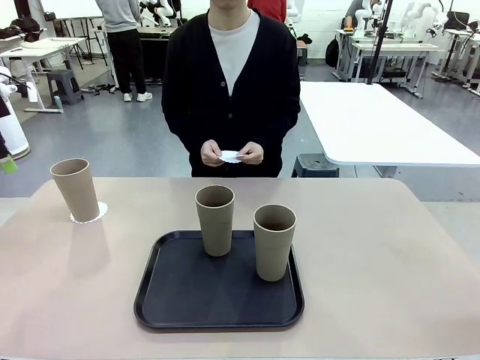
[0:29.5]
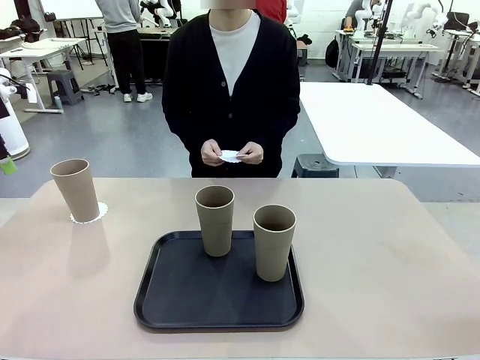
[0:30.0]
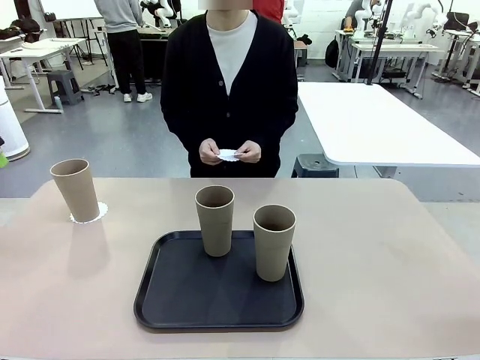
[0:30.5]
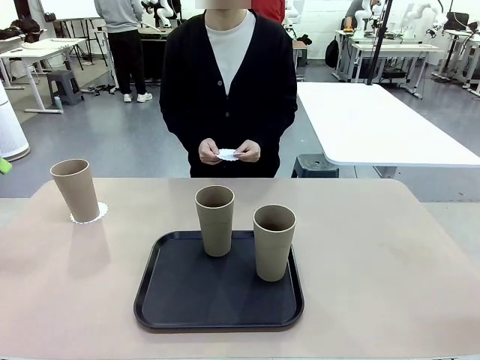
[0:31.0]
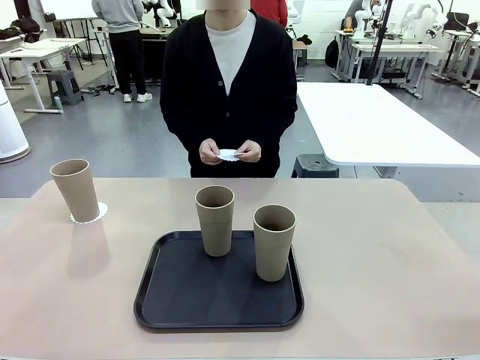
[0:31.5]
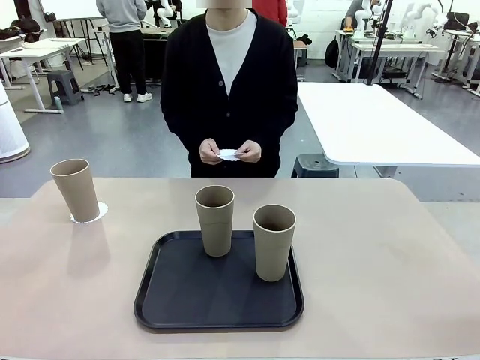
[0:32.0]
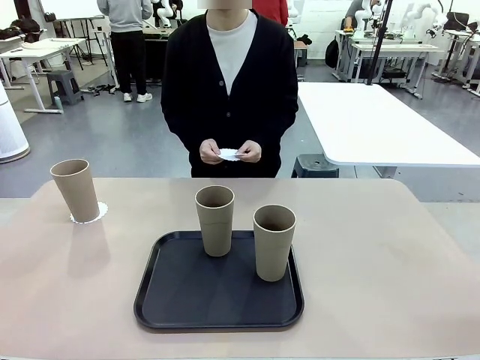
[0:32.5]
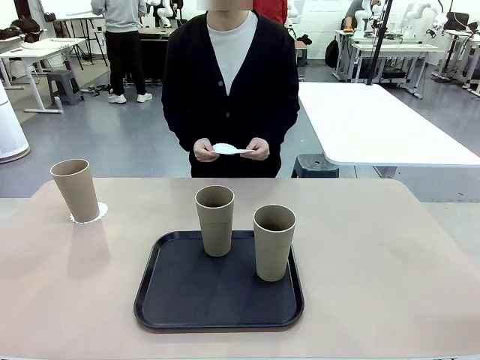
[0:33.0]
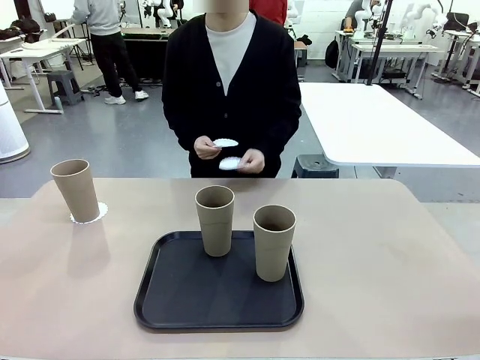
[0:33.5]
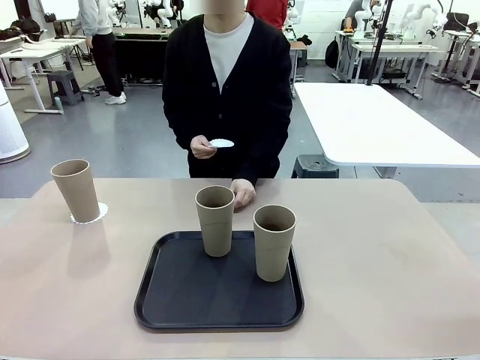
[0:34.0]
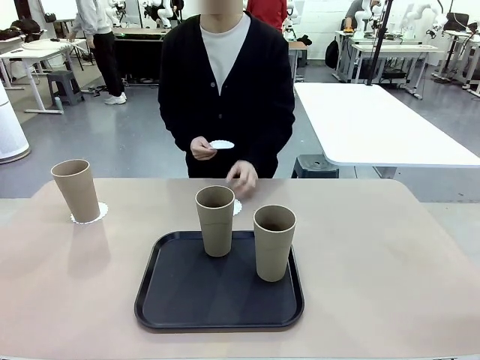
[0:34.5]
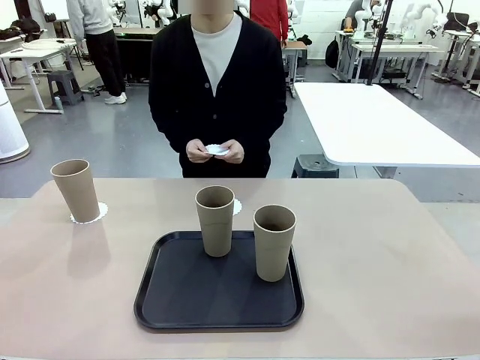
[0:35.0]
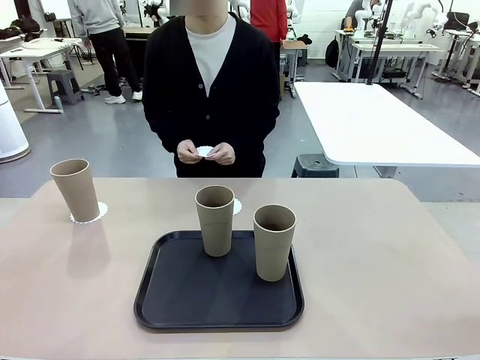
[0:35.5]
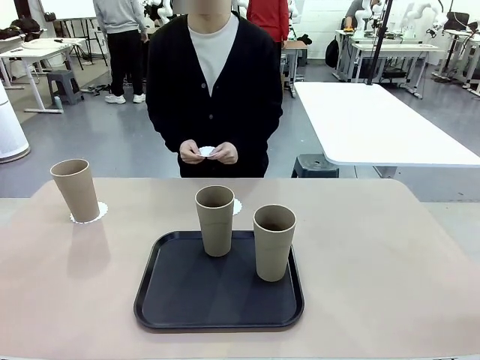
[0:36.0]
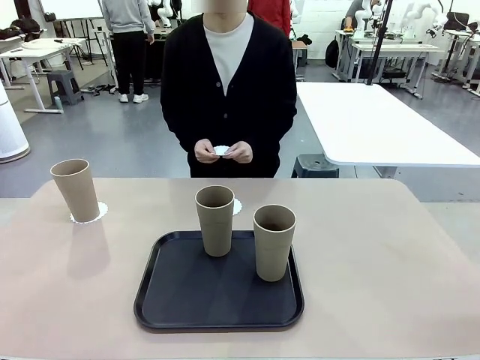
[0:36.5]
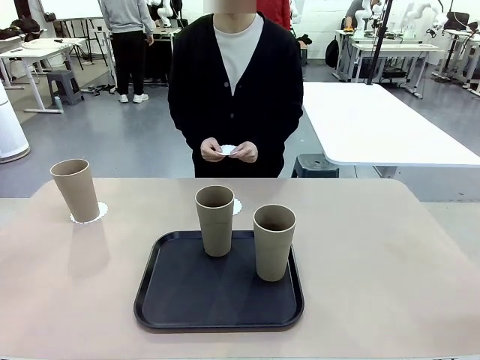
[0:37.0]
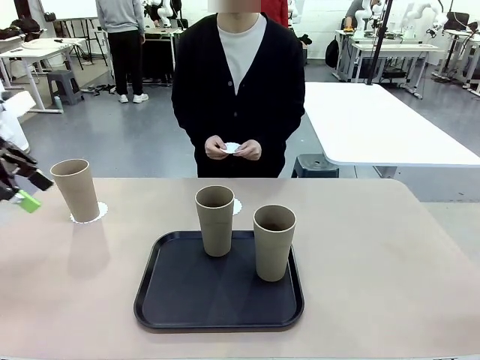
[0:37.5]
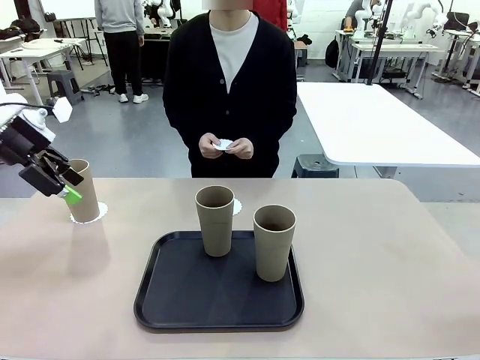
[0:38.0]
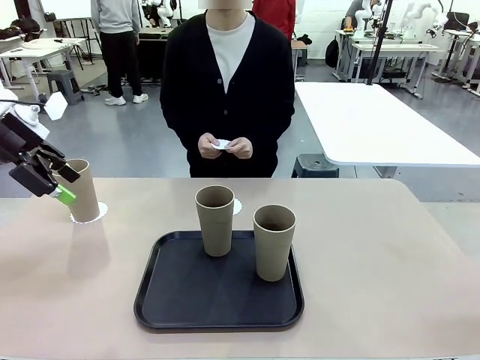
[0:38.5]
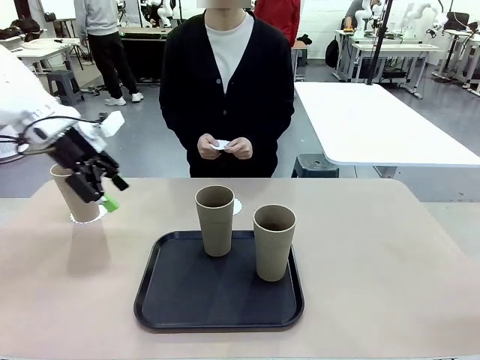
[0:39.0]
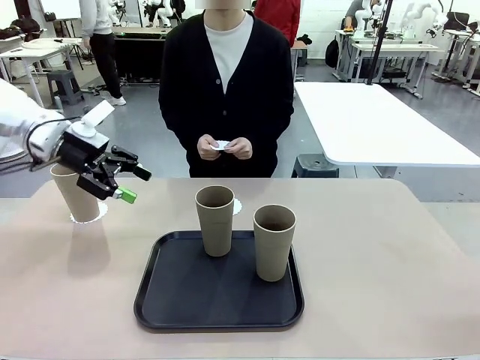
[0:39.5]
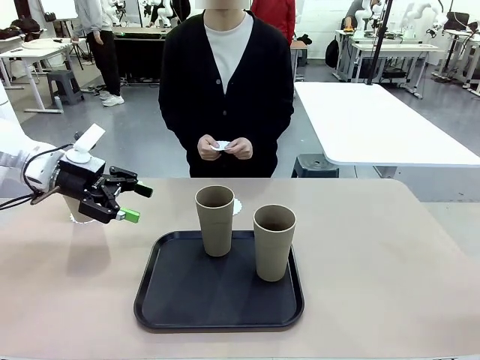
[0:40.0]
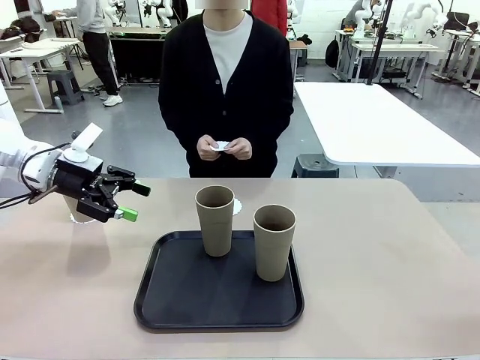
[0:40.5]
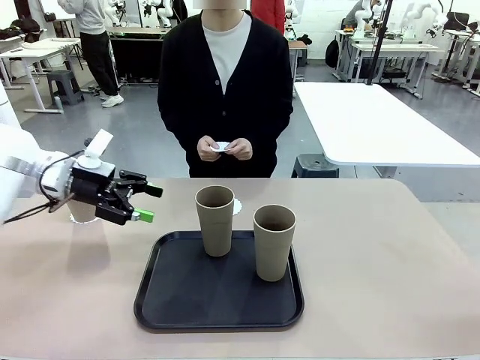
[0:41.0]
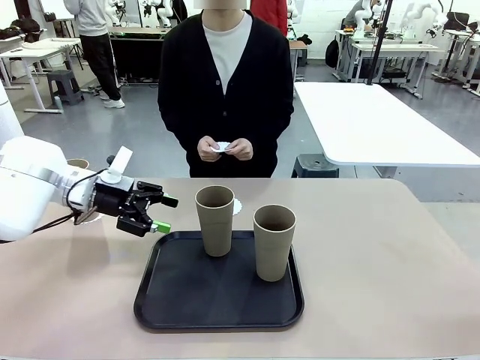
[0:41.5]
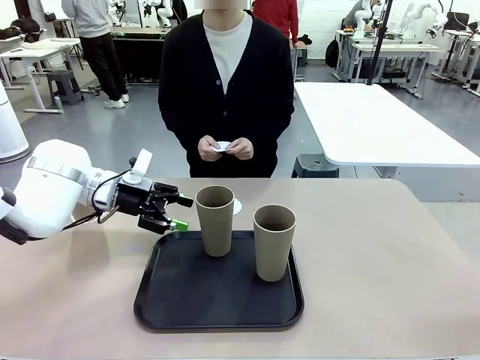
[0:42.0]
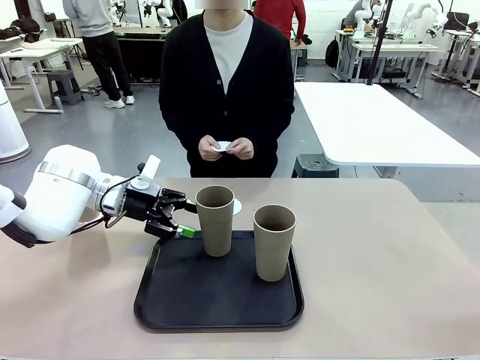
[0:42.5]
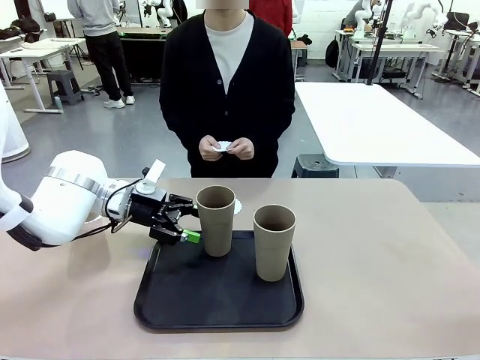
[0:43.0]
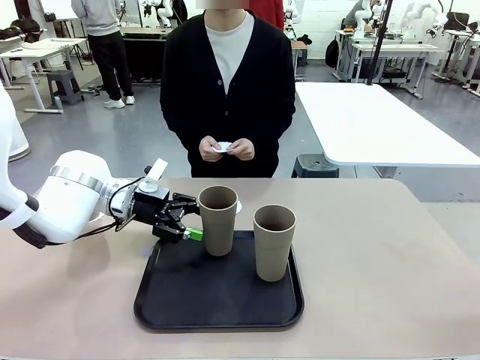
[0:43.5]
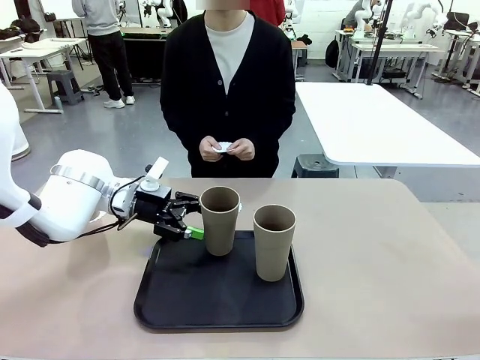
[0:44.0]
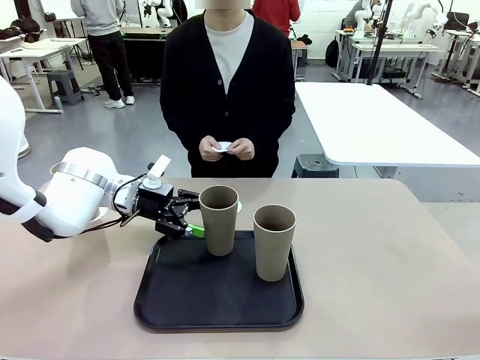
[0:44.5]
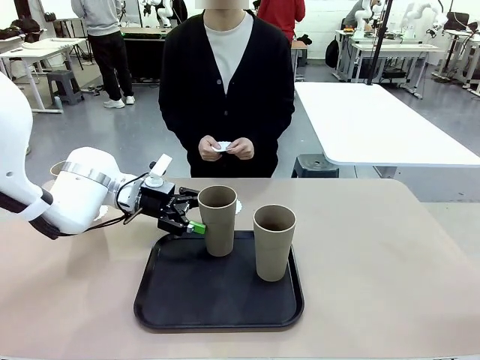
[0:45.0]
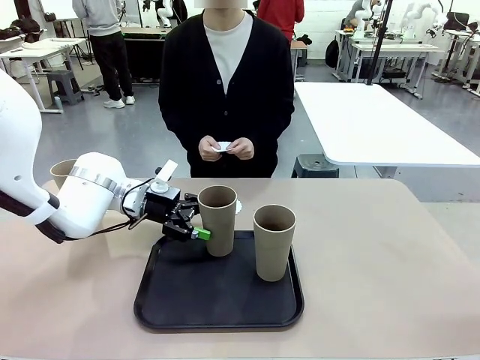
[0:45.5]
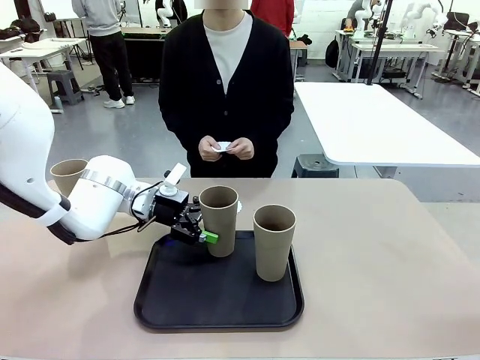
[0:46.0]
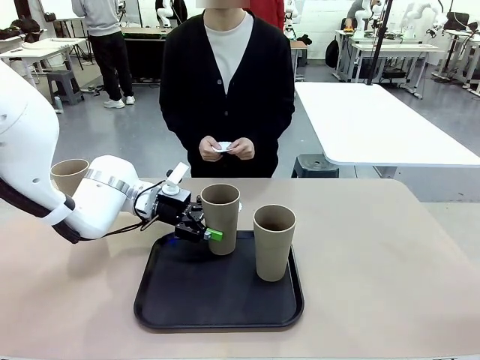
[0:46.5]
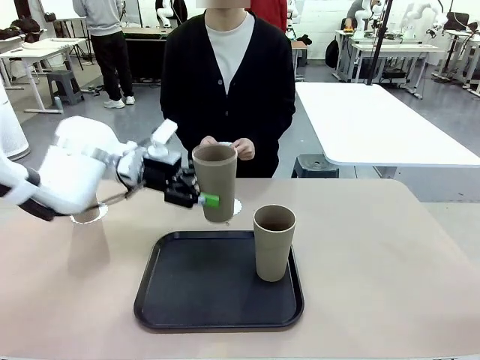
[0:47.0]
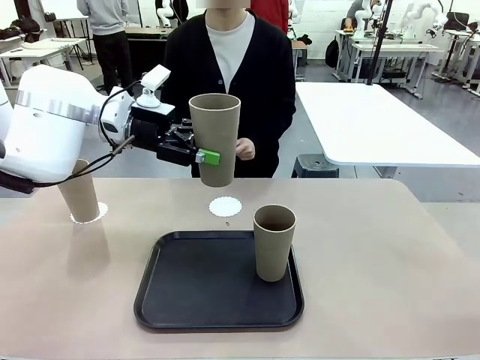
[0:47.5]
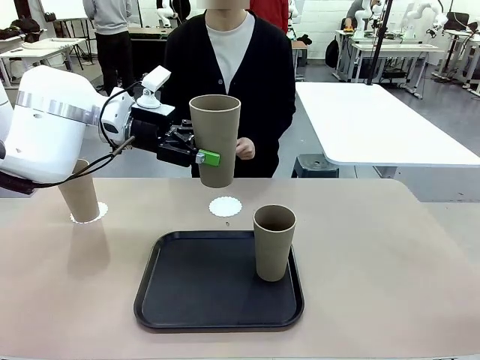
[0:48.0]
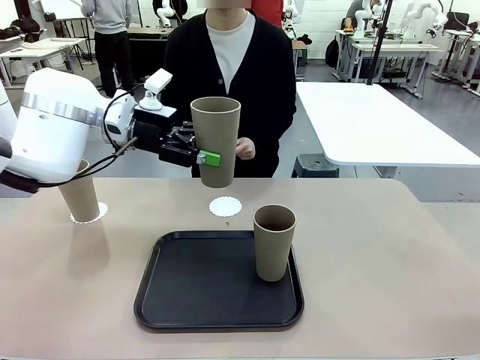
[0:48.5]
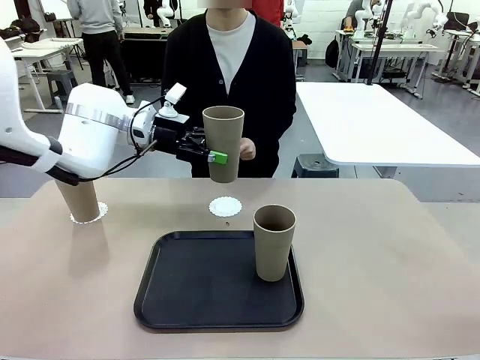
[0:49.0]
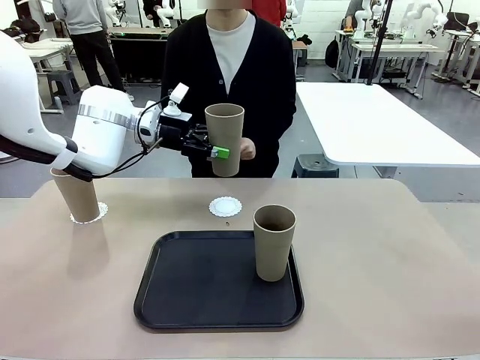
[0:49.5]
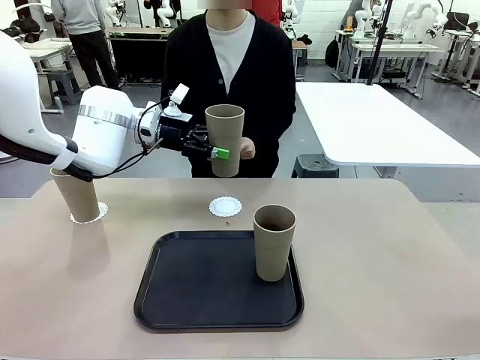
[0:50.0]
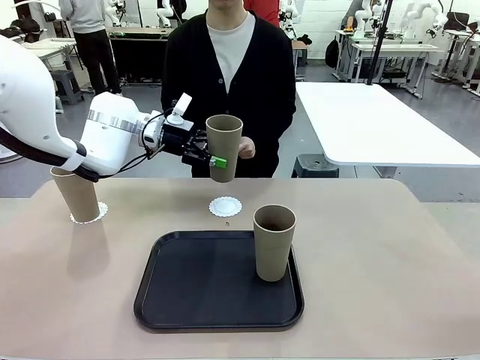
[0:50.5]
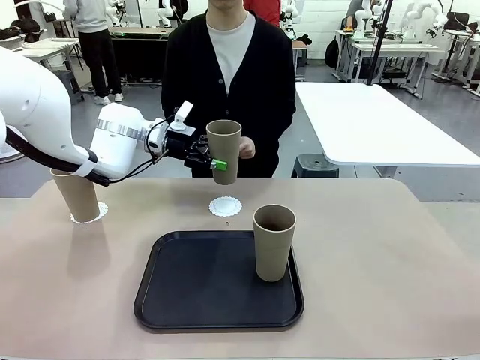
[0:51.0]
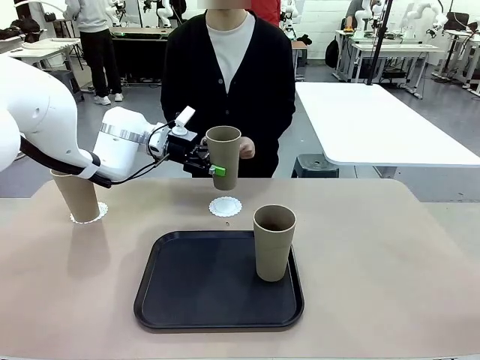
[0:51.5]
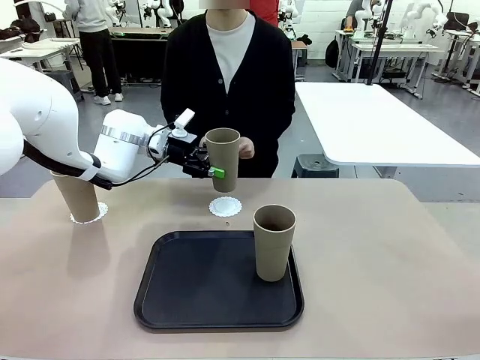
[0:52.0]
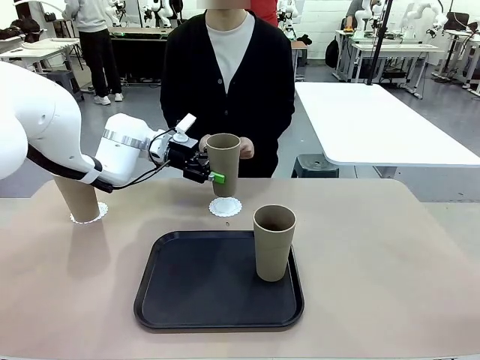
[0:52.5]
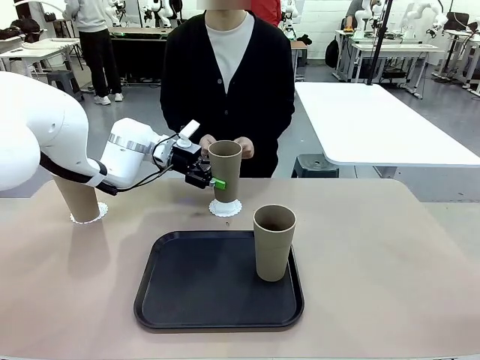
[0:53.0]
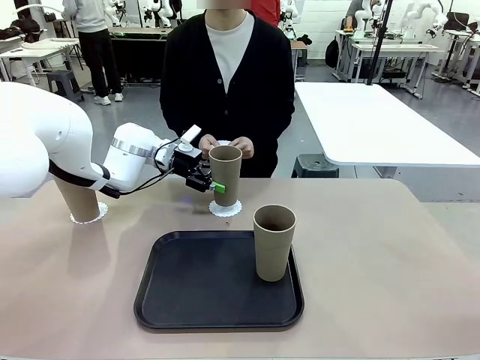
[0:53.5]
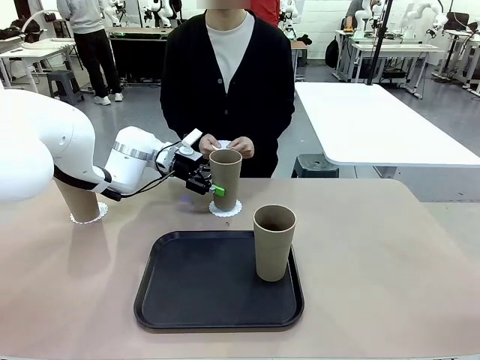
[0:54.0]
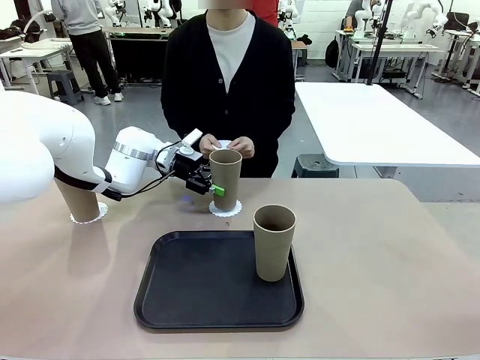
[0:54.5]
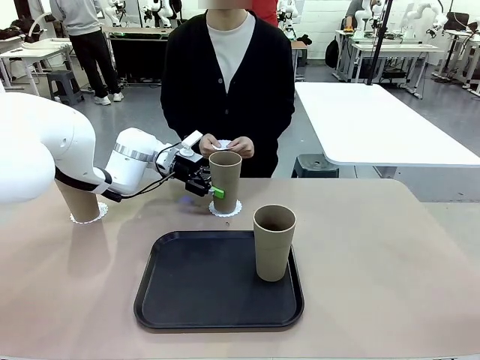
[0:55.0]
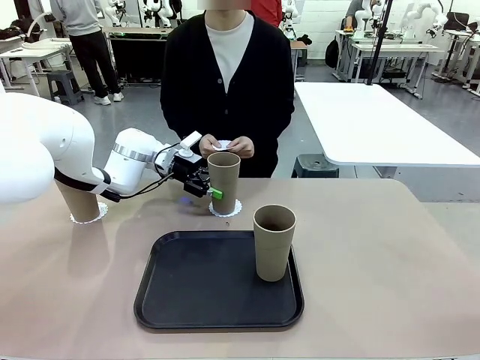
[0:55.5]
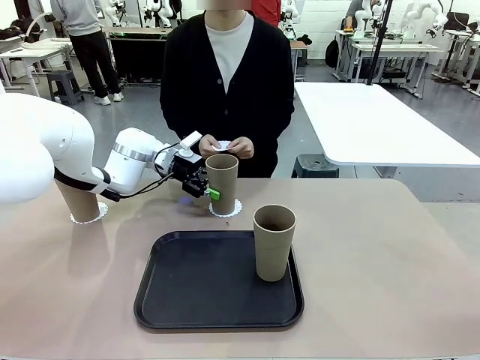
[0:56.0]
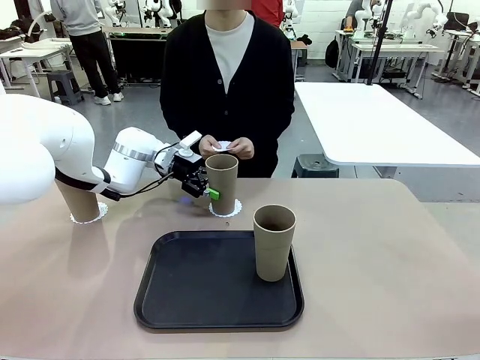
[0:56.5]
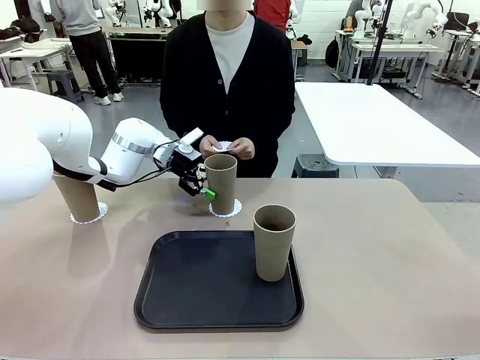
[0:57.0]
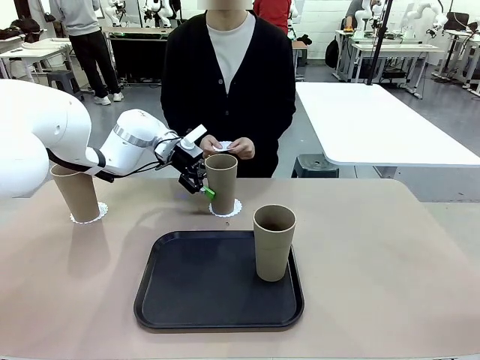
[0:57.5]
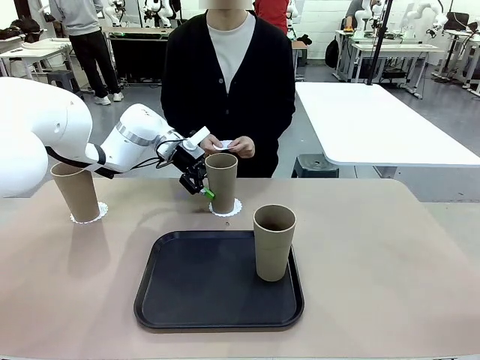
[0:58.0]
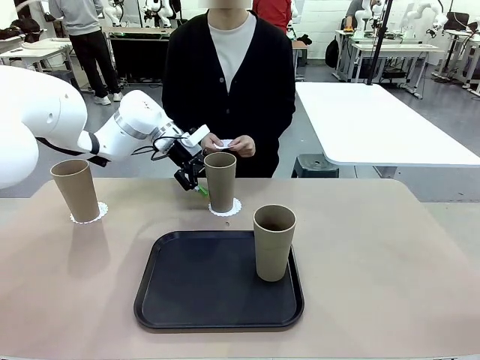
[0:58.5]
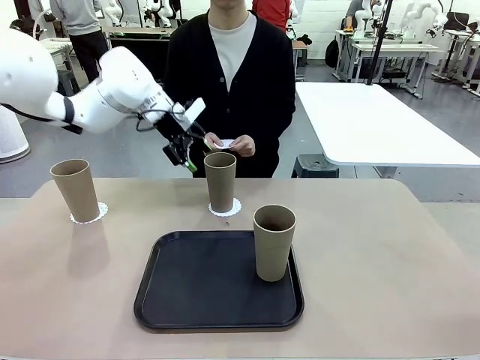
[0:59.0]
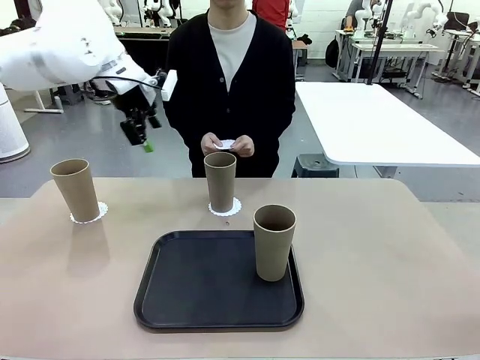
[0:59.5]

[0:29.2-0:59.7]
Task: Place coasters on the table and set cups on them.
Robot: Take one Reusable plastic cup from the Flat Tray and place it on a coaster set by the human.
